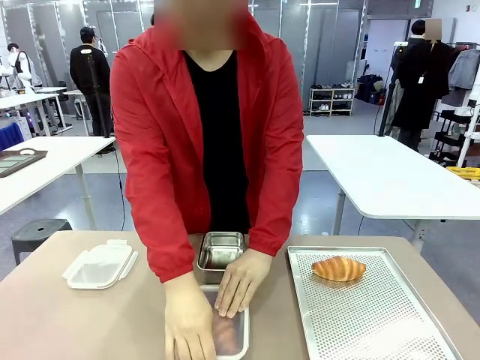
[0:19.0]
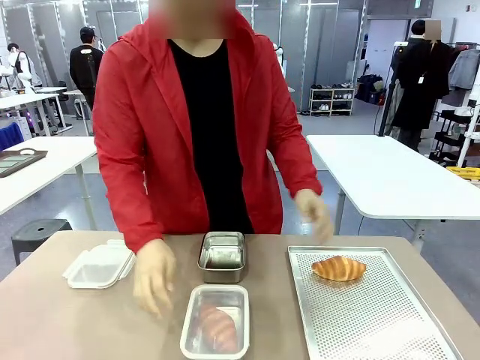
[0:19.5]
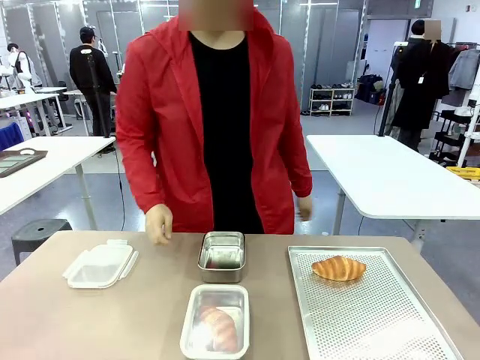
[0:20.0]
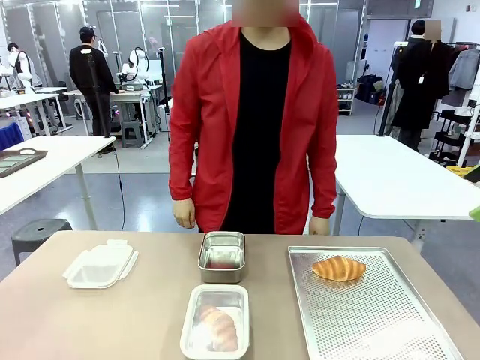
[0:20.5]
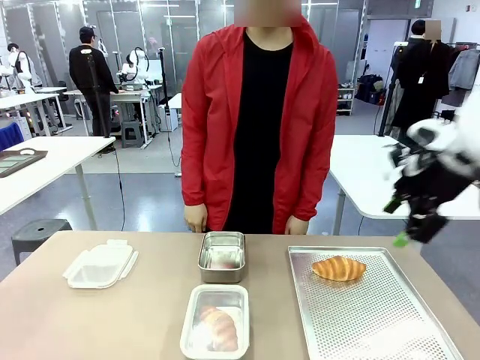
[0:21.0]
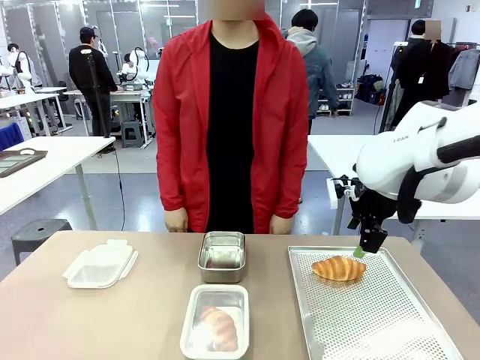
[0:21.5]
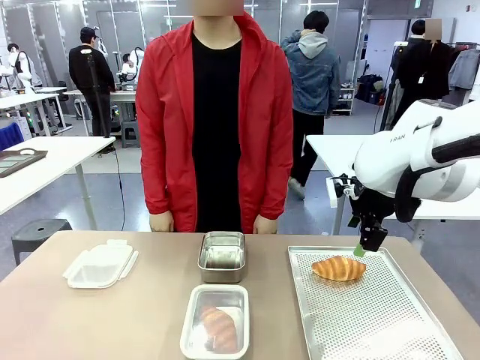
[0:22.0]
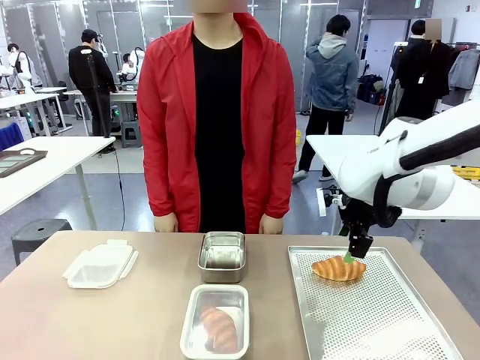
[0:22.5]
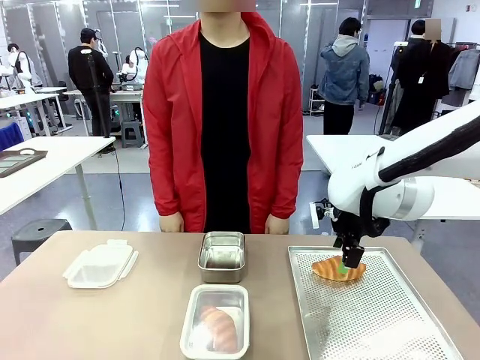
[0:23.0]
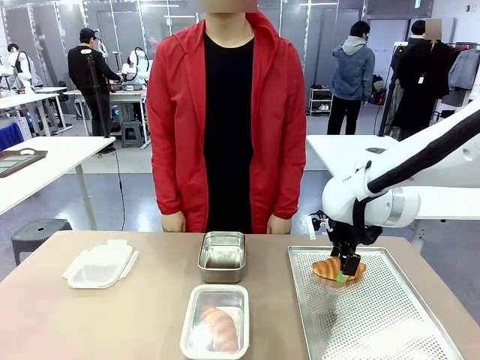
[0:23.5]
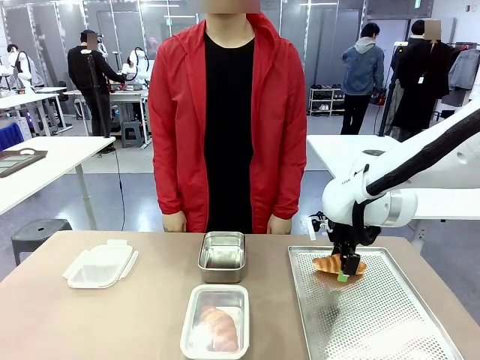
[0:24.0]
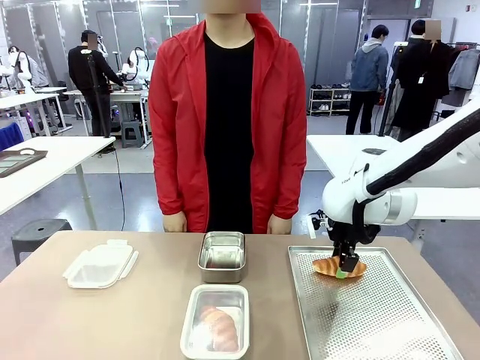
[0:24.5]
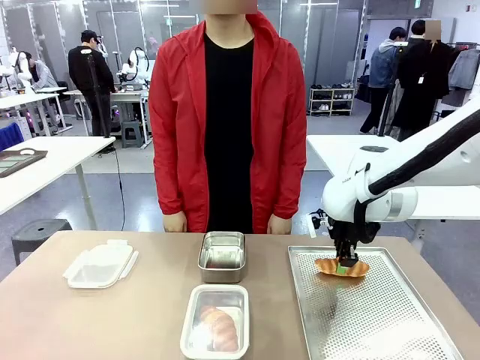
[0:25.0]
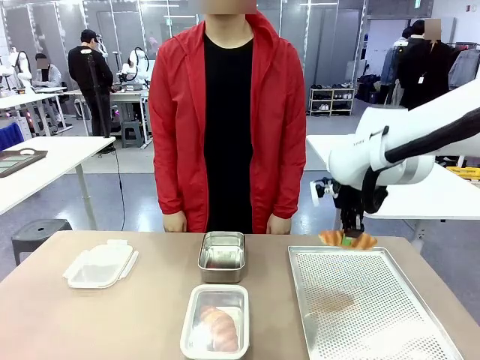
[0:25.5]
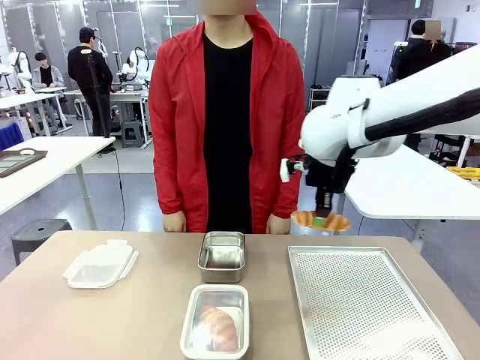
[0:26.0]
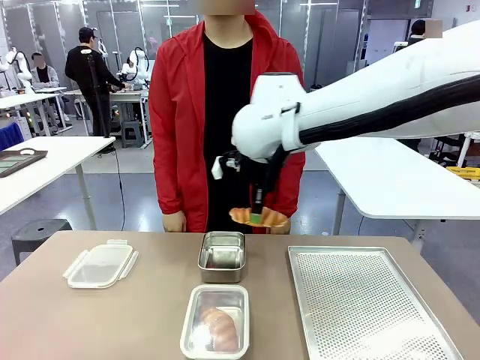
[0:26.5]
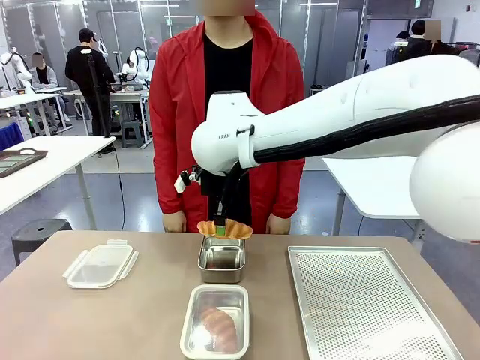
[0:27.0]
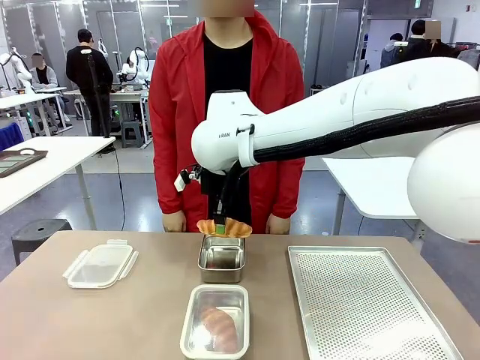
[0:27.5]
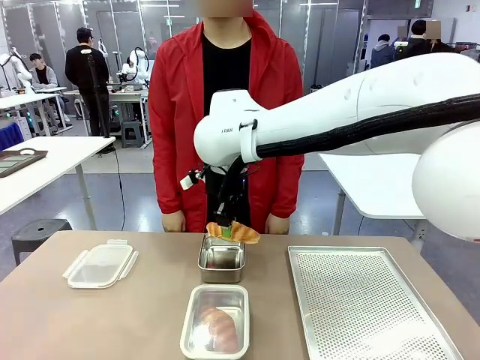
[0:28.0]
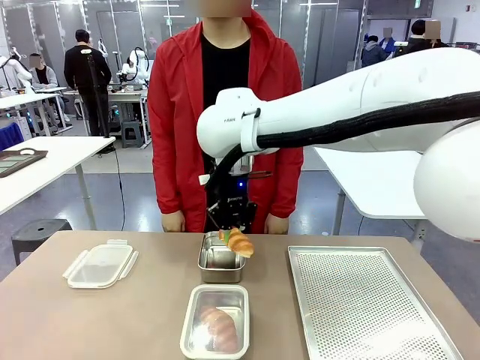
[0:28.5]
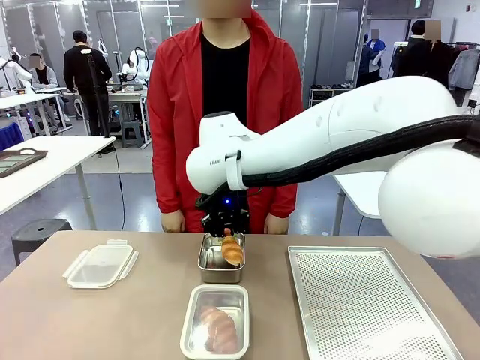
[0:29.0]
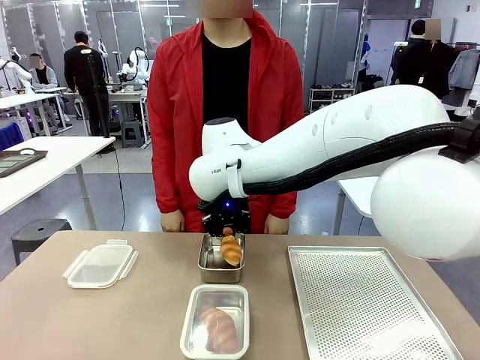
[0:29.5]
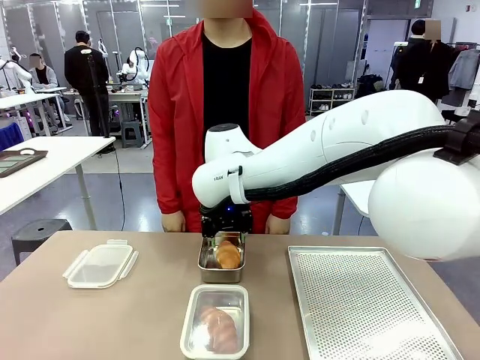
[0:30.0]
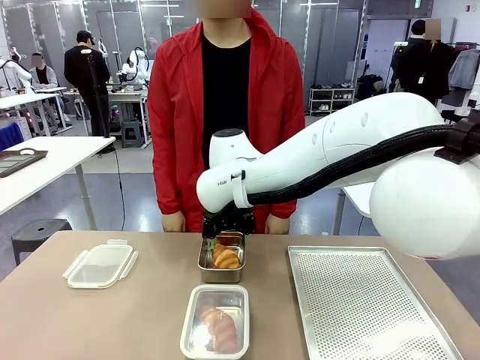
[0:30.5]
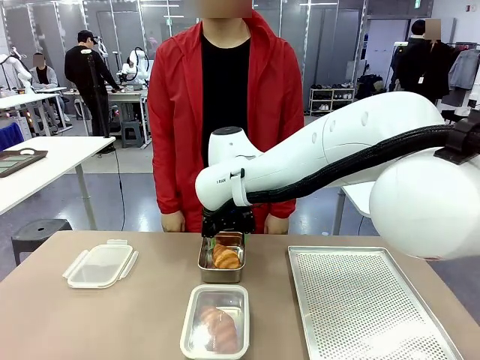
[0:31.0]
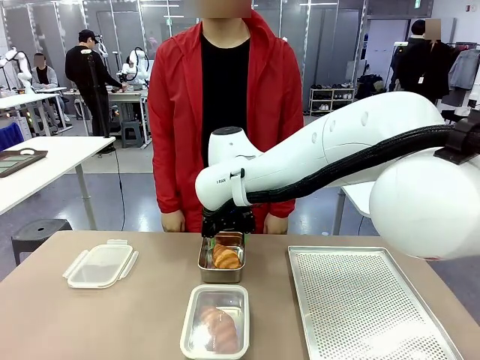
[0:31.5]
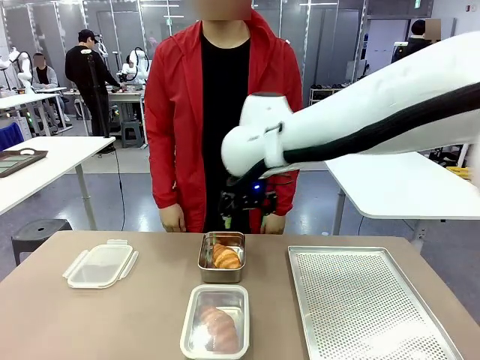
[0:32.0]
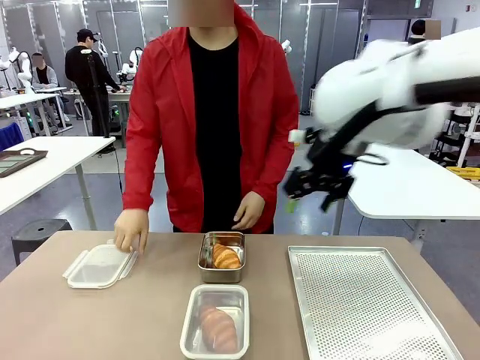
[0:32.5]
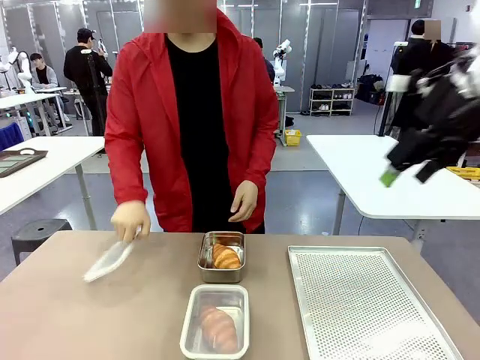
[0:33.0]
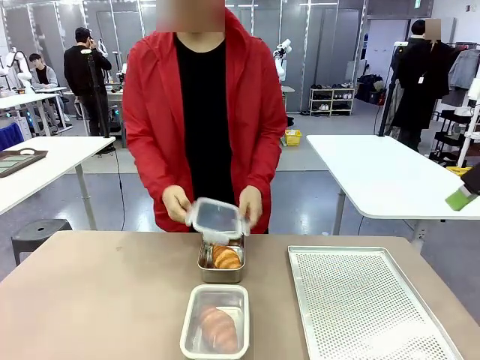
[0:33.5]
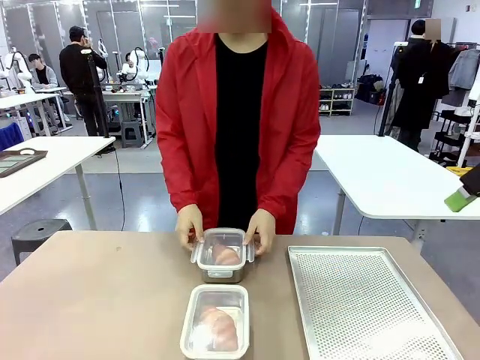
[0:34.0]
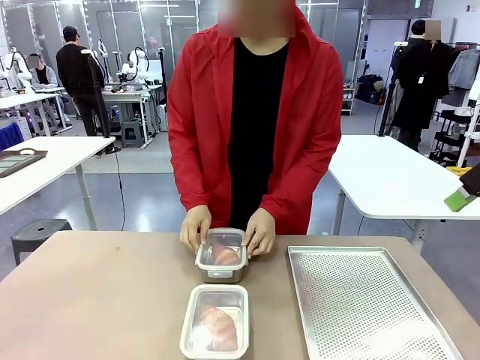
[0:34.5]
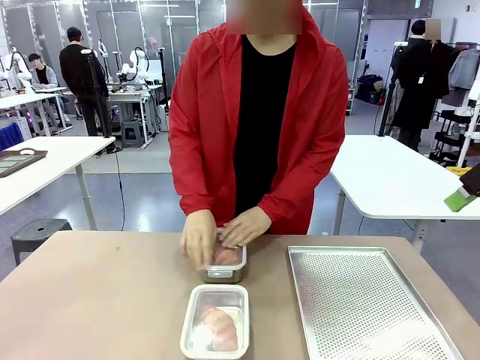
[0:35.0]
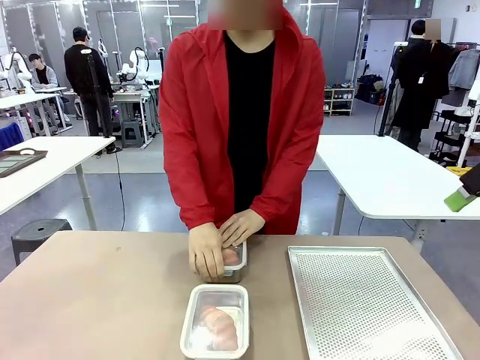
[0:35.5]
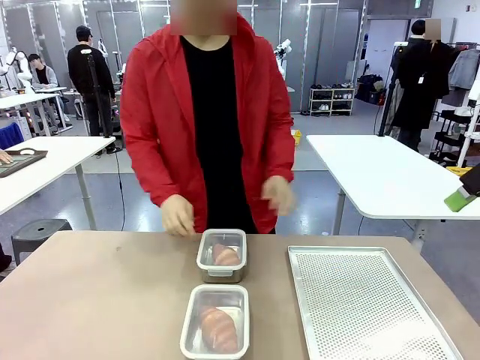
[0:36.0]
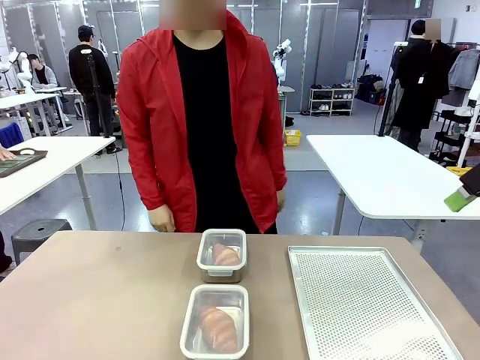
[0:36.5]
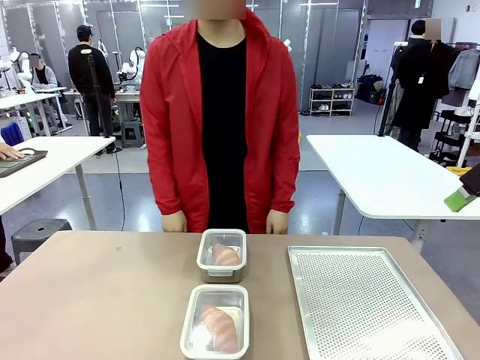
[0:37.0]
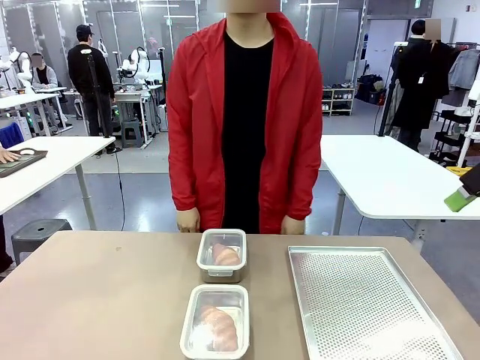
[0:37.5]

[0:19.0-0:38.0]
Task: Place the bread into the airtight container.
Robot: Pick up a Butter Roll and place it into an empty Airtight Container.
